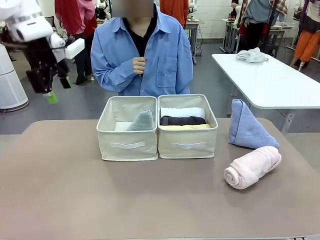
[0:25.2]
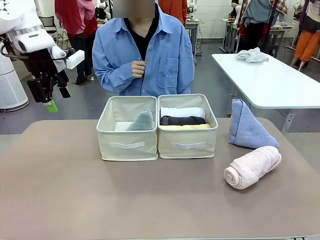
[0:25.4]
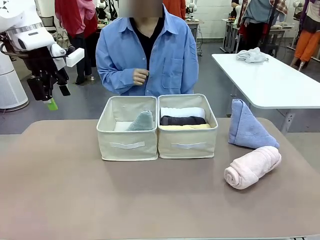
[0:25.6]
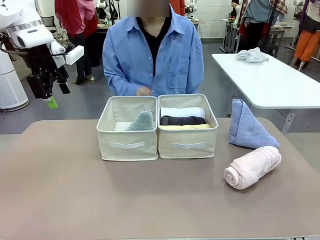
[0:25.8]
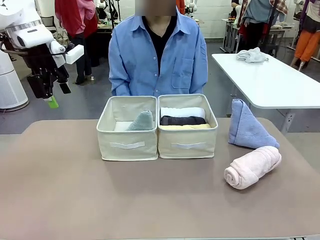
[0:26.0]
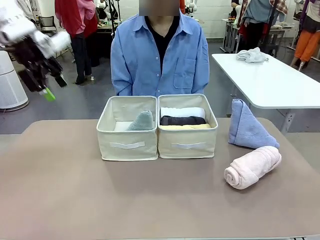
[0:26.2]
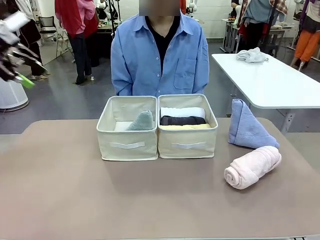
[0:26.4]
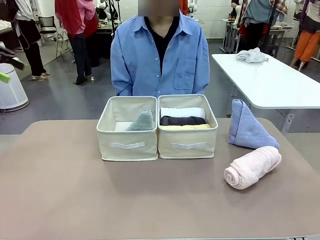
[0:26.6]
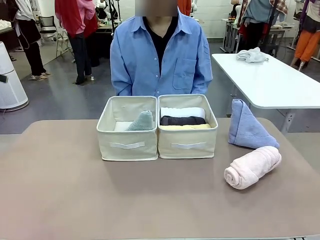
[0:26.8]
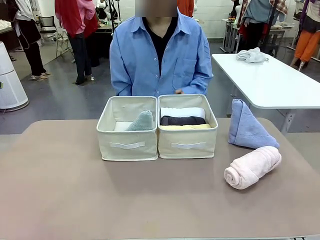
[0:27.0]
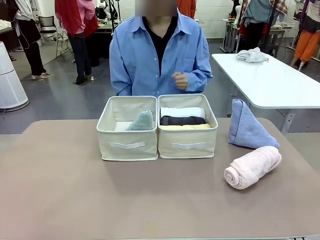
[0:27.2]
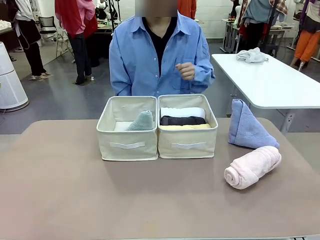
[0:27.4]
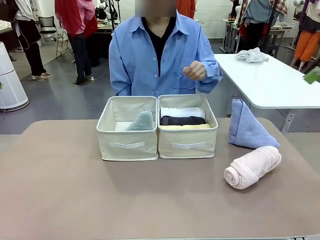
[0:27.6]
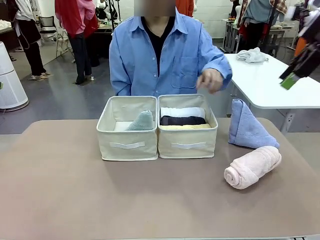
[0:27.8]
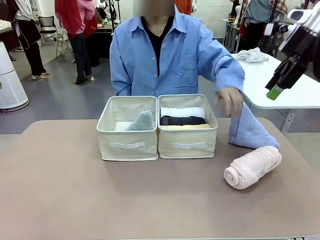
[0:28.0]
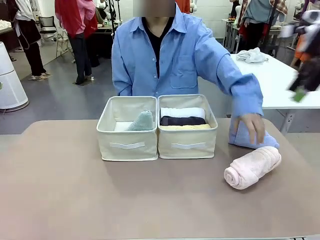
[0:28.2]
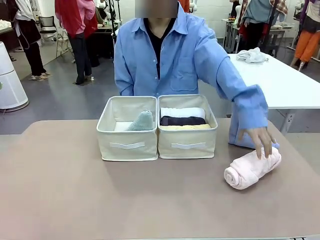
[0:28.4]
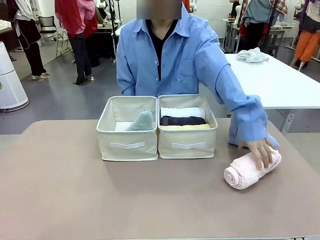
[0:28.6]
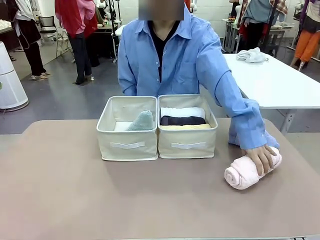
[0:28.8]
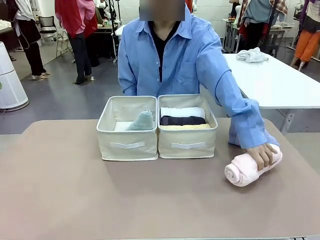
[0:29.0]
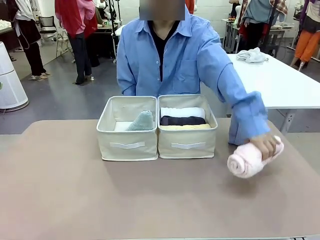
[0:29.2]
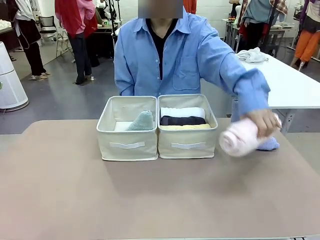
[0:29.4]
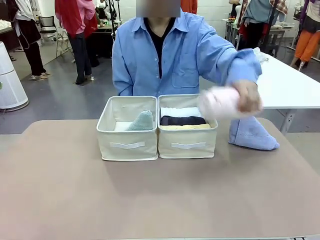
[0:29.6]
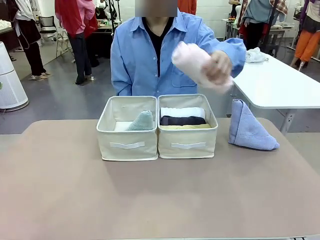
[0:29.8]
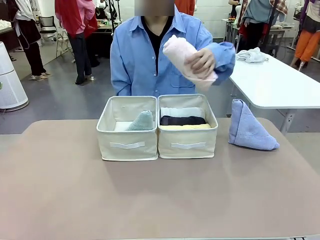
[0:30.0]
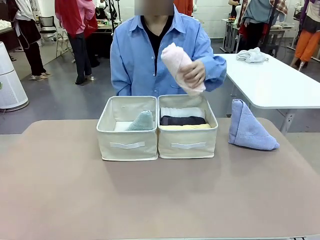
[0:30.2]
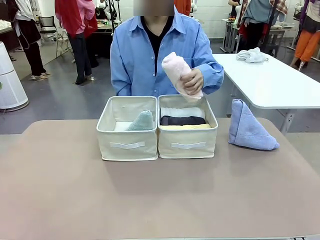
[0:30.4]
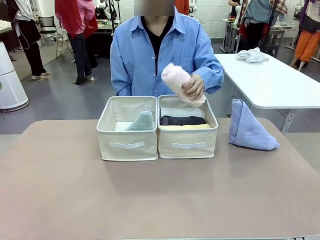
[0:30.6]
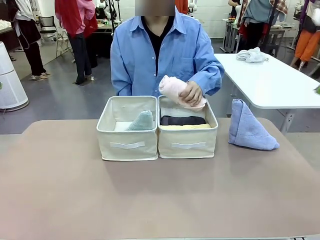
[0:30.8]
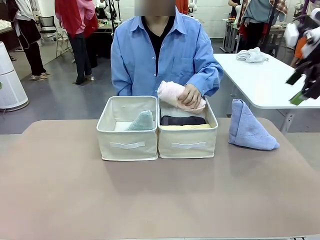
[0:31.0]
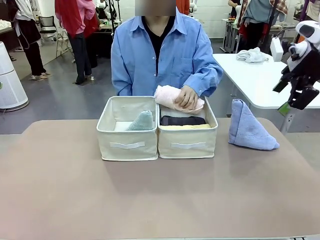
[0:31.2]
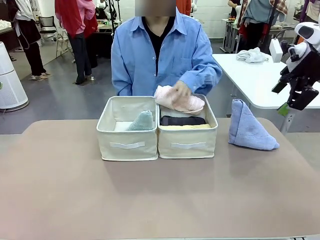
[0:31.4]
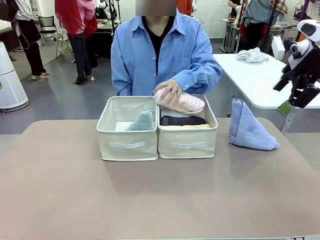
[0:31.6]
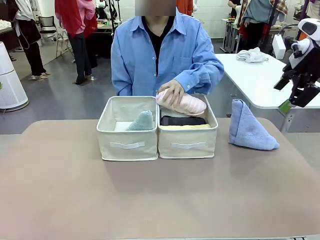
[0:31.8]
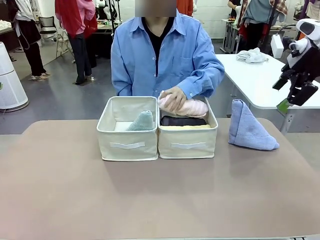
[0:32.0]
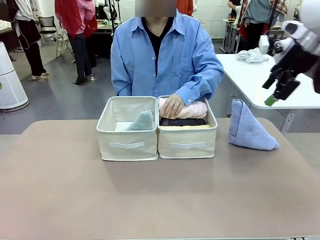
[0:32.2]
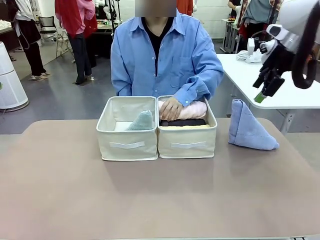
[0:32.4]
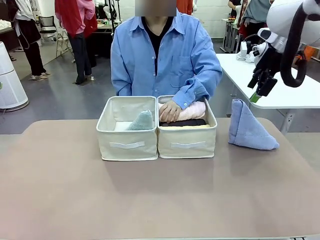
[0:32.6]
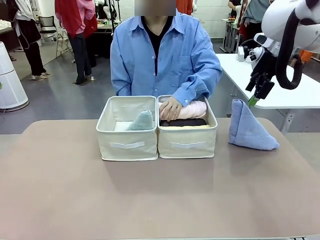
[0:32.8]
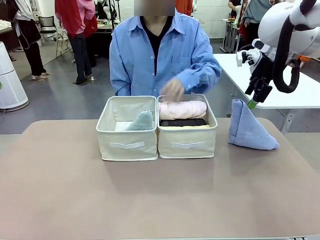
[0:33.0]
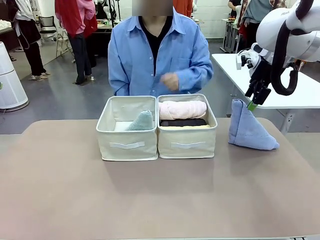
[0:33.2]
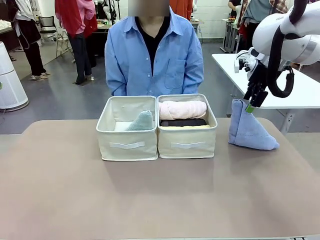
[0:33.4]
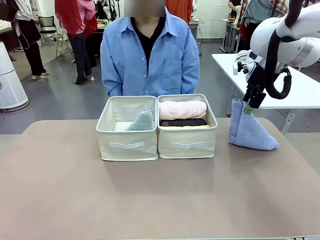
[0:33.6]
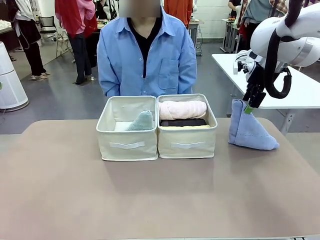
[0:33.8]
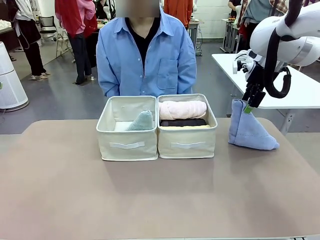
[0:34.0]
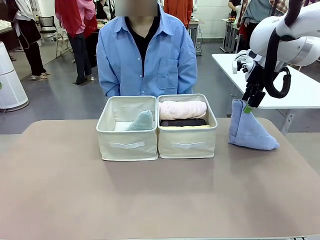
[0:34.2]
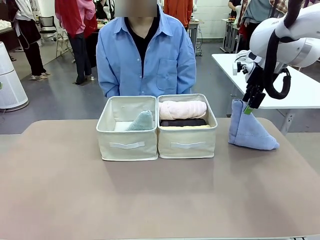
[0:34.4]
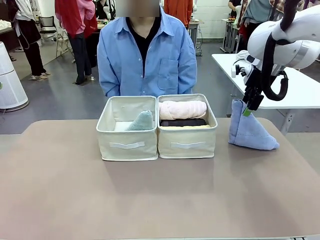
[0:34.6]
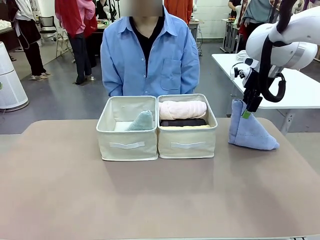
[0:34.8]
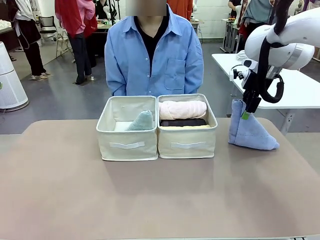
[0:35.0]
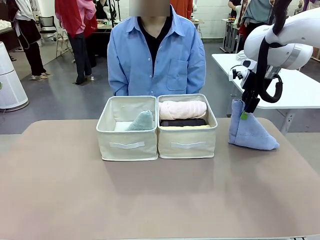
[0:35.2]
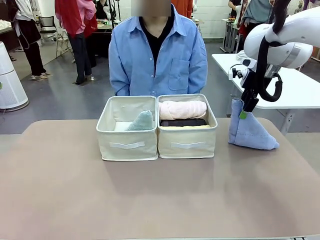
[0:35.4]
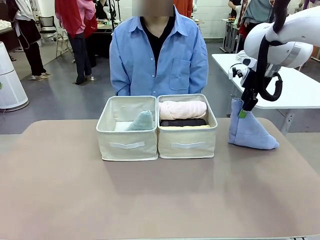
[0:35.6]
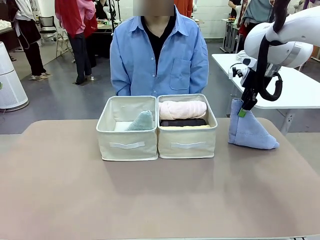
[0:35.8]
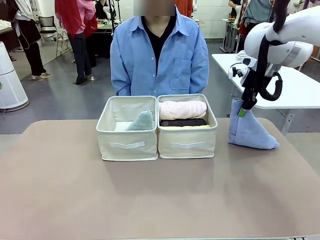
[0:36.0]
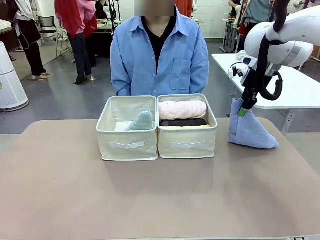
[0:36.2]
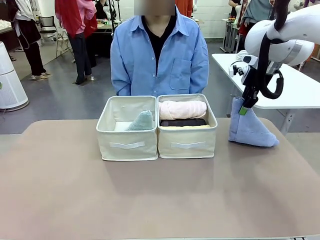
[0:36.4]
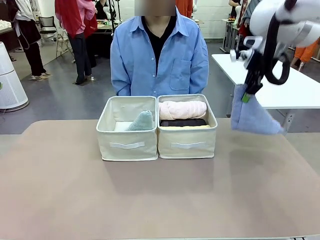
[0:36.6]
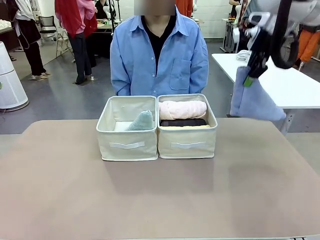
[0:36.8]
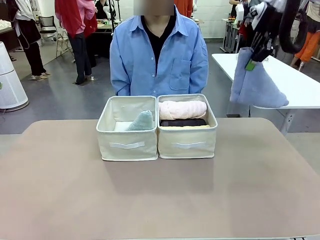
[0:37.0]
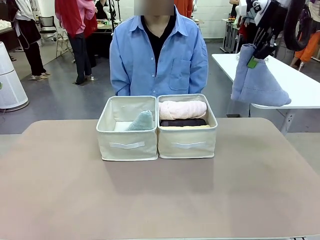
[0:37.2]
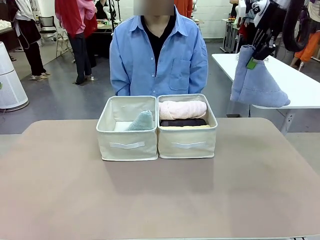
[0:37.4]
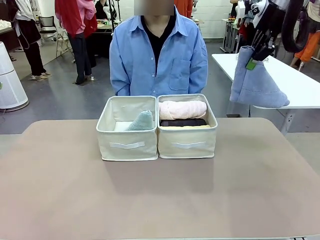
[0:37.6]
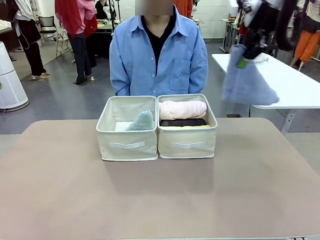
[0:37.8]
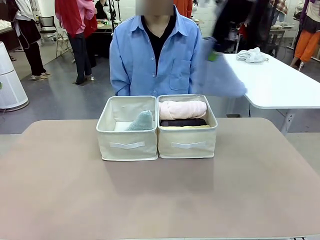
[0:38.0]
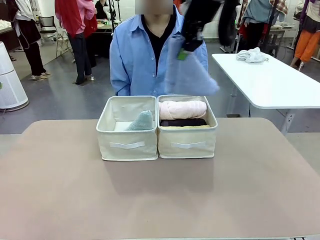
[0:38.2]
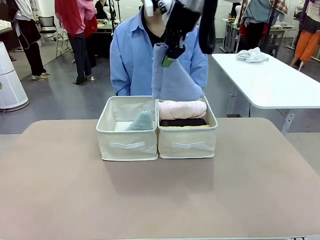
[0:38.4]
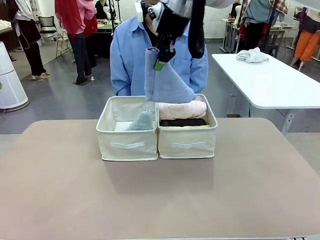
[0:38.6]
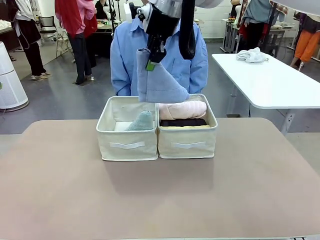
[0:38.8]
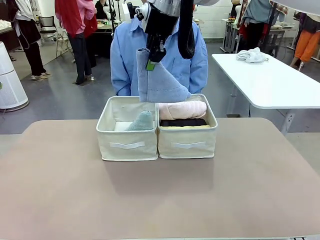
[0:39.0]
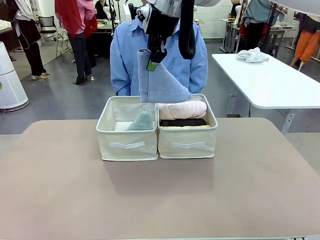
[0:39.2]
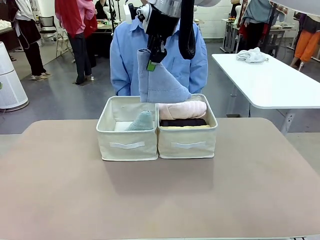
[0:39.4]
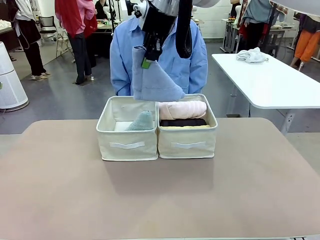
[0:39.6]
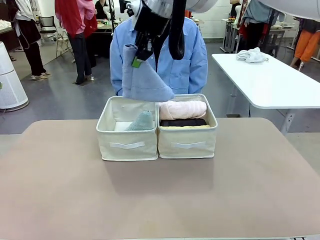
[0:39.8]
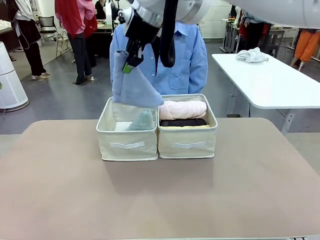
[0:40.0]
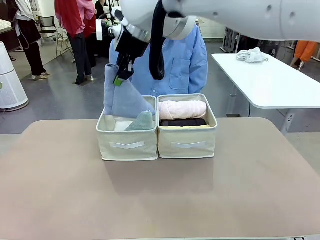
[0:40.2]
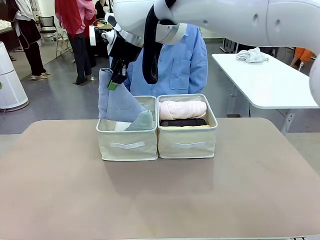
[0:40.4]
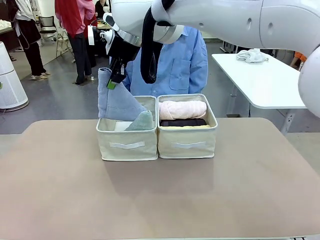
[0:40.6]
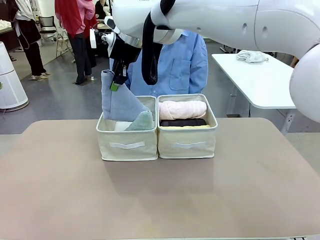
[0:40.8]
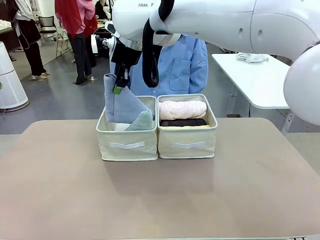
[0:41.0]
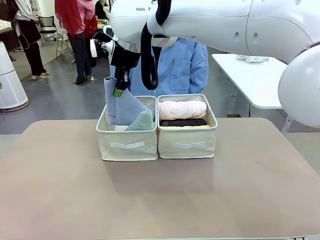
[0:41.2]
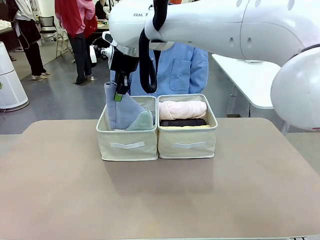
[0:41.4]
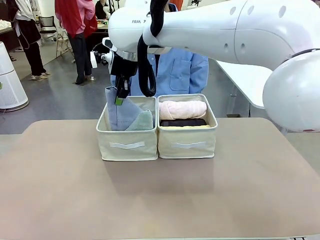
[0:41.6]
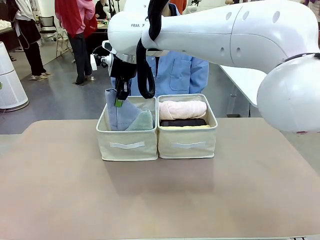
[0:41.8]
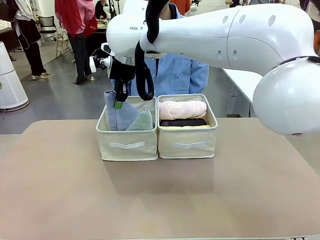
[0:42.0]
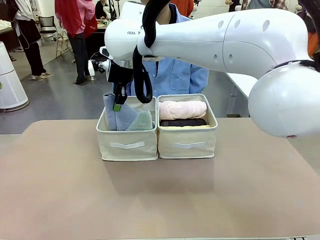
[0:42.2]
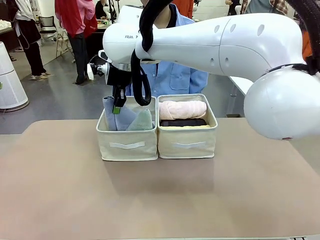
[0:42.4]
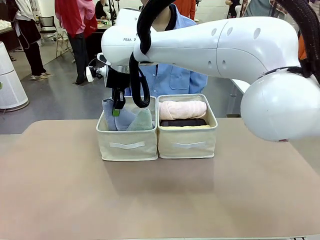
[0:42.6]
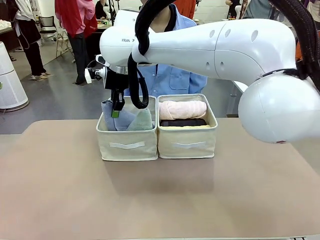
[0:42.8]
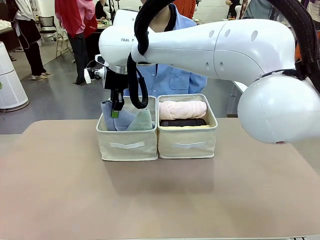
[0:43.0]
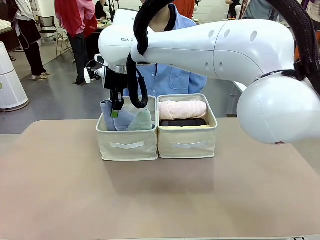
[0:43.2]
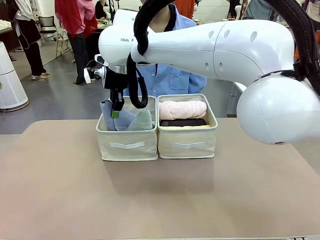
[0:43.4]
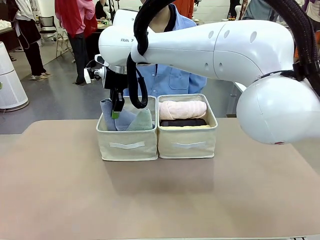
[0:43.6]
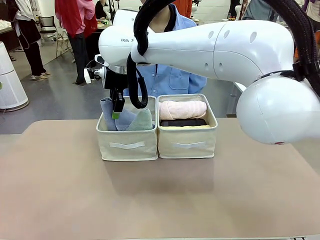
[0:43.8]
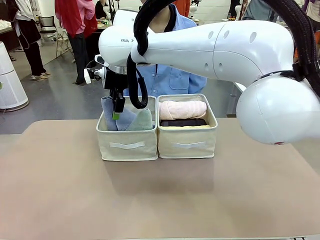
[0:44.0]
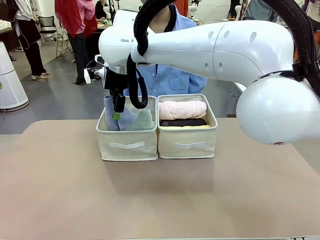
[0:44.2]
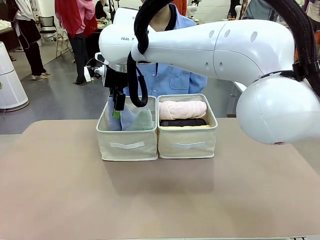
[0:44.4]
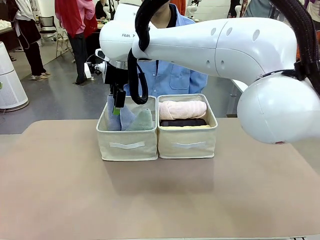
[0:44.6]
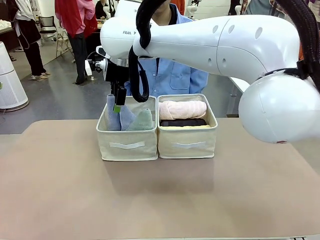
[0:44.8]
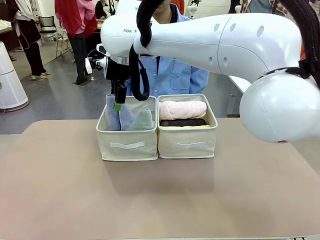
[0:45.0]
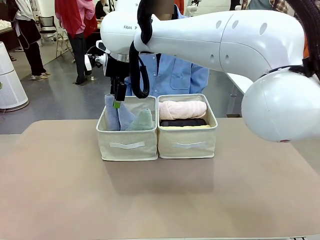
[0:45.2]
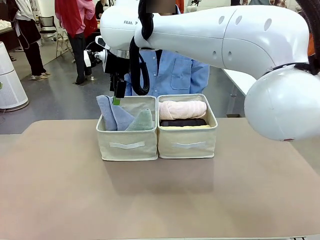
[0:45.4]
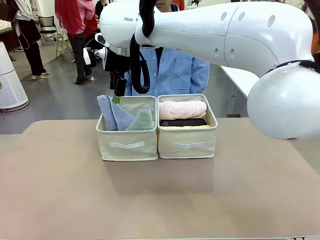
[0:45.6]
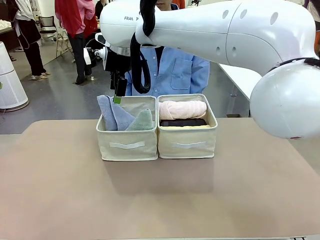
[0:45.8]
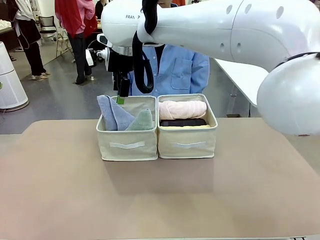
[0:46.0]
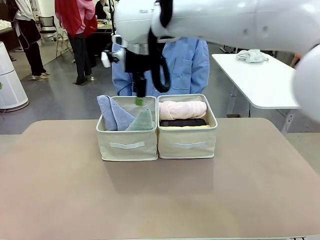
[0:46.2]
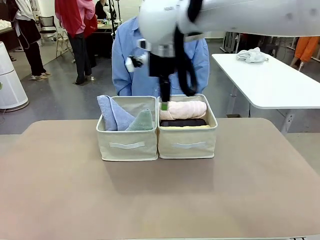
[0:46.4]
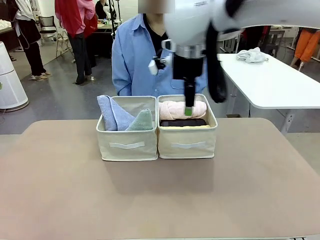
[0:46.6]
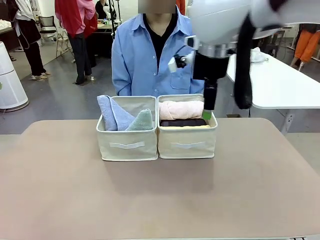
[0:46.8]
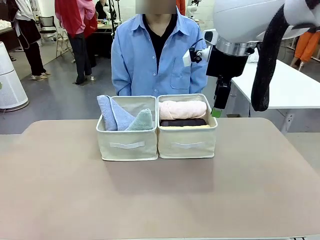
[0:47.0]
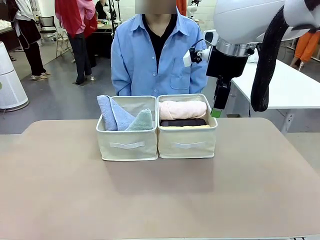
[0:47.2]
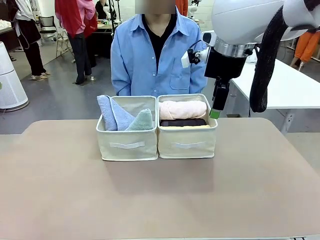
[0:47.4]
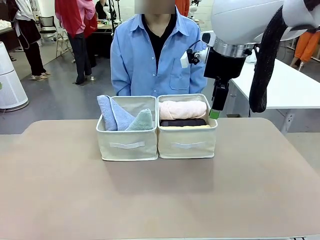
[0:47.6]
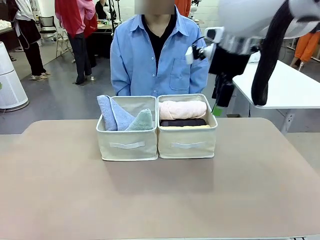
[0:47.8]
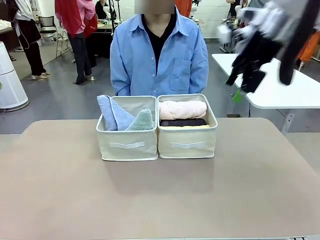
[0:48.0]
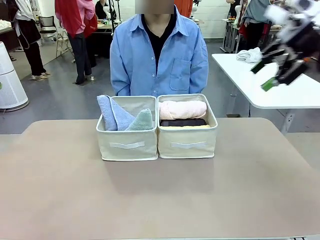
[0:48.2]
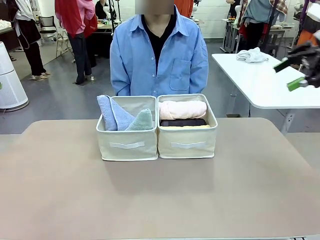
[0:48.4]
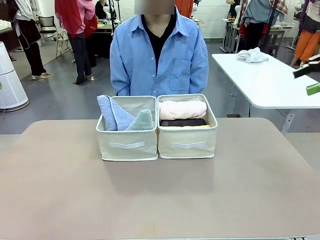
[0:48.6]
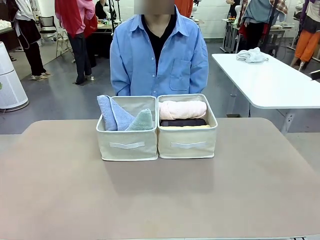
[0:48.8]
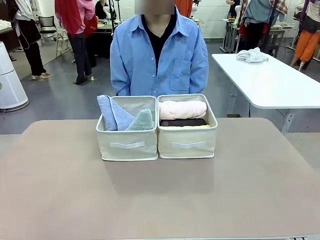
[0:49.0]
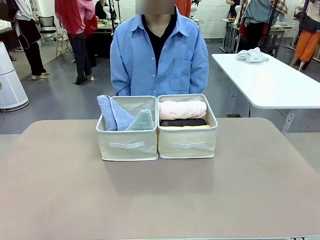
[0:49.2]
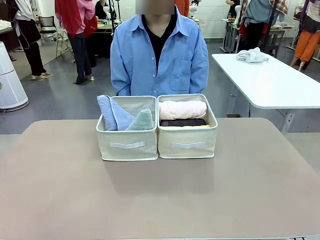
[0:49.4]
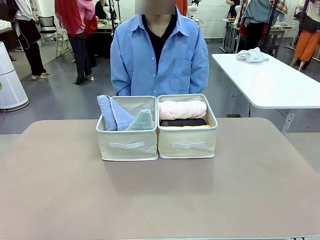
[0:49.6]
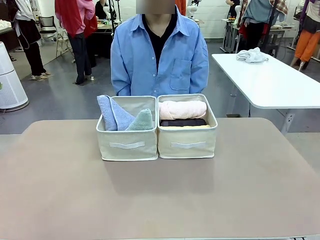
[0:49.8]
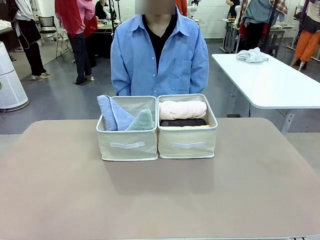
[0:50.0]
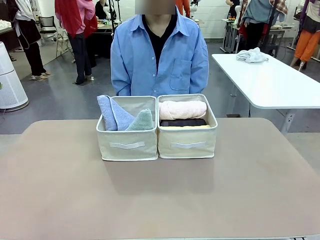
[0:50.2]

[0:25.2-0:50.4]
Task: Sort the towels based on their folding style.
Robot: Pick up another triangle-folded towel from the table and place it in the left Fabric basket.
Person: Pick up one hotel-style rolled towel from the table and place it in the left fabric basket.
